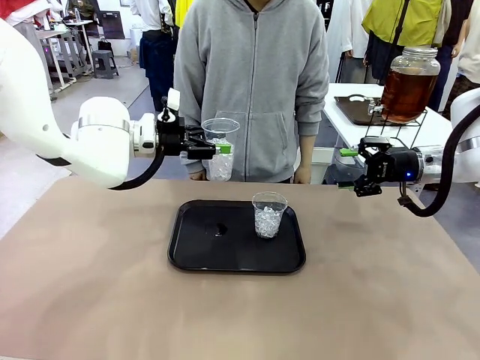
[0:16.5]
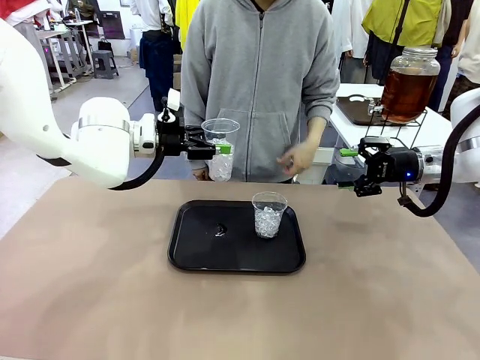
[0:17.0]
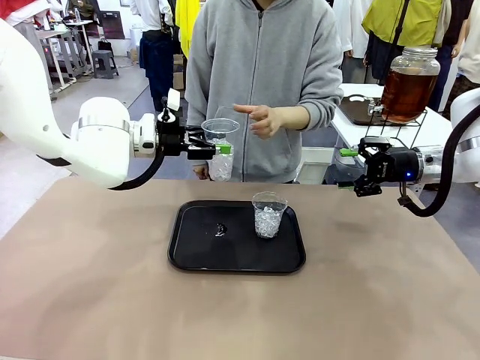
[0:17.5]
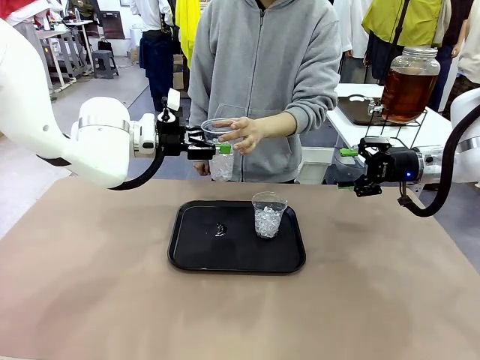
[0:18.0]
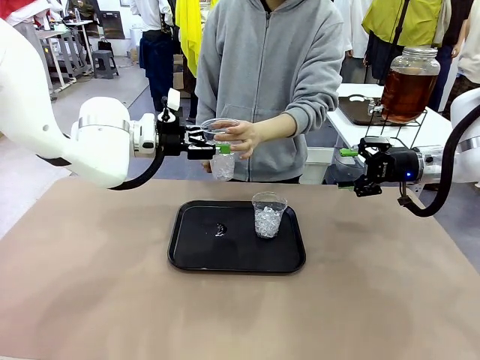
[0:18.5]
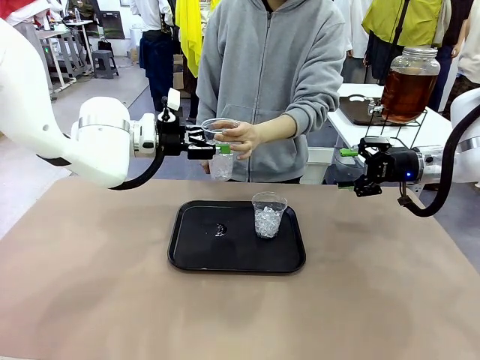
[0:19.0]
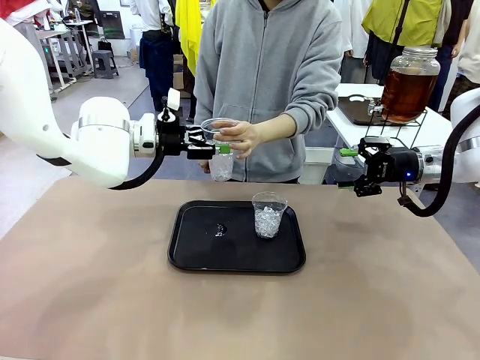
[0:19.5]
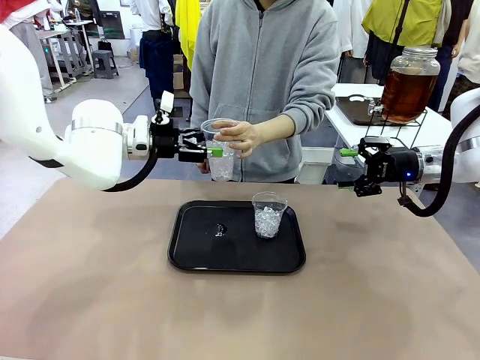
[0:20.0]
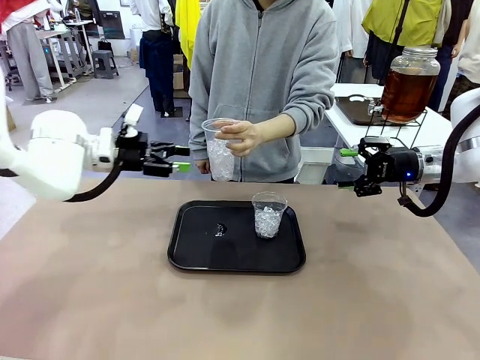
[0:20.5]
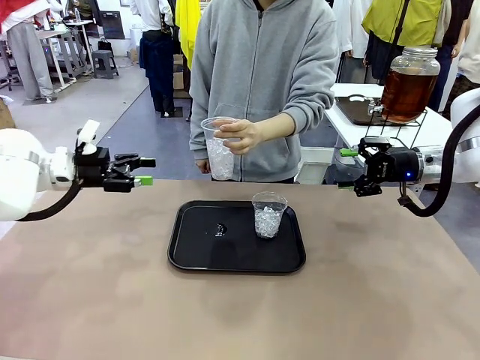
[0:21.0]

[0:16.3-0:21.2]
Task: Pour the drink into the iced cup.
Robot: Open the gripper to release the iced cup you were holding.

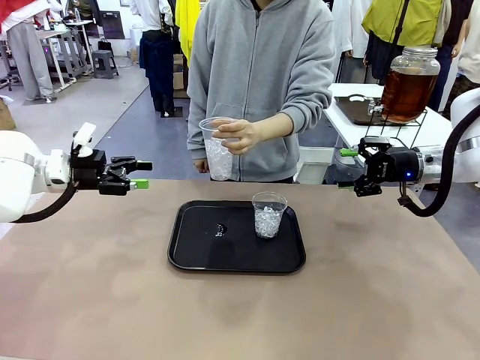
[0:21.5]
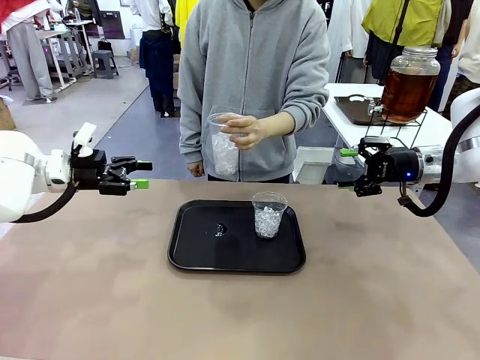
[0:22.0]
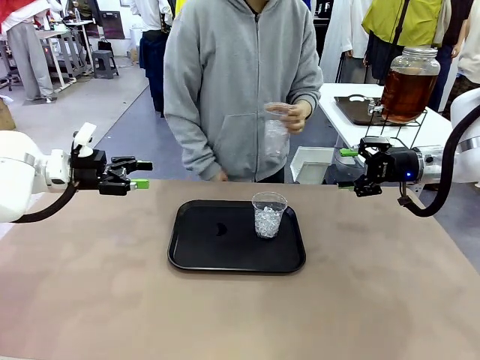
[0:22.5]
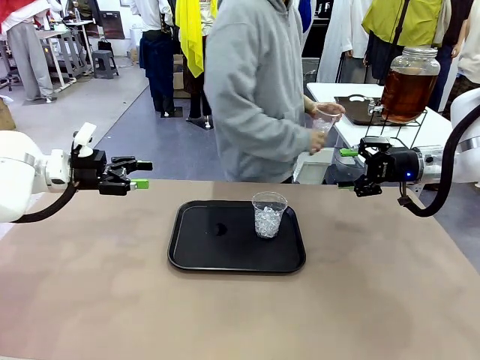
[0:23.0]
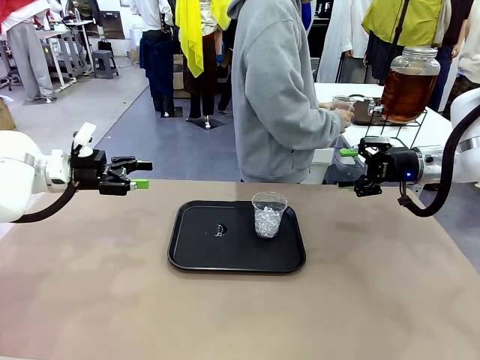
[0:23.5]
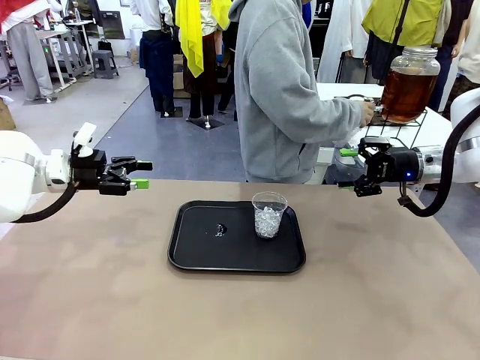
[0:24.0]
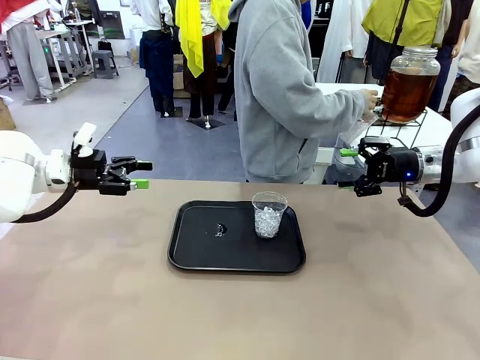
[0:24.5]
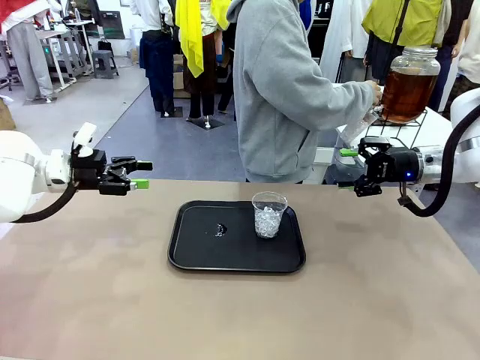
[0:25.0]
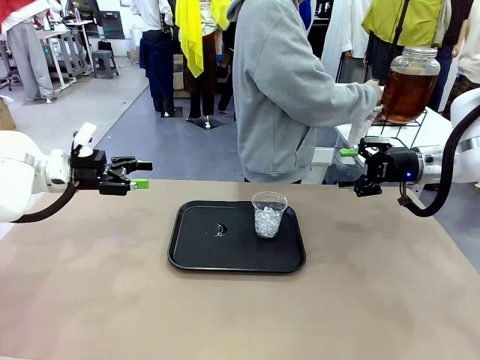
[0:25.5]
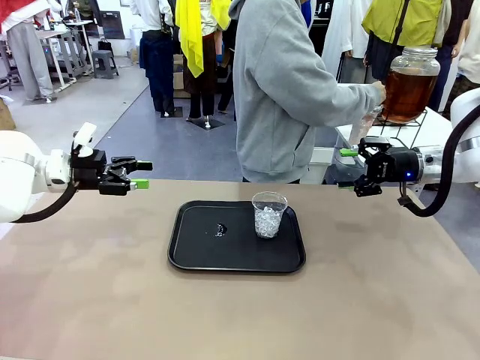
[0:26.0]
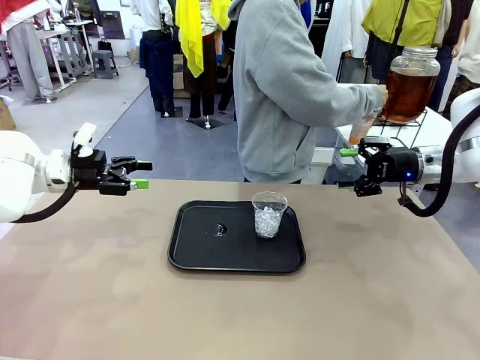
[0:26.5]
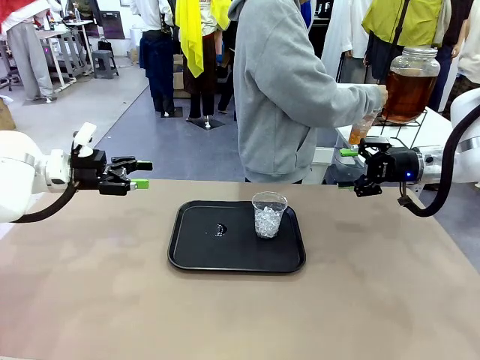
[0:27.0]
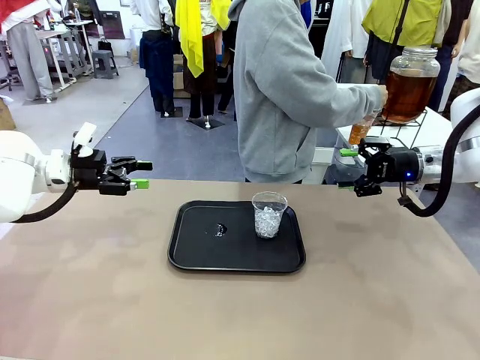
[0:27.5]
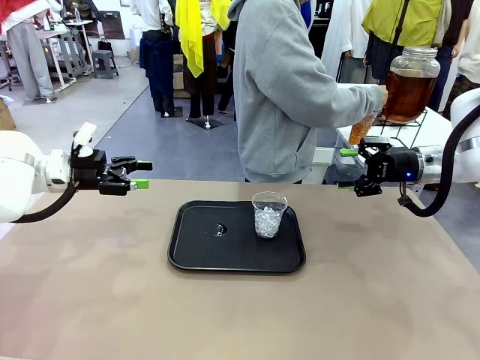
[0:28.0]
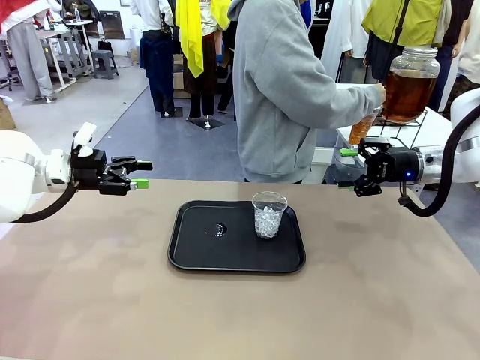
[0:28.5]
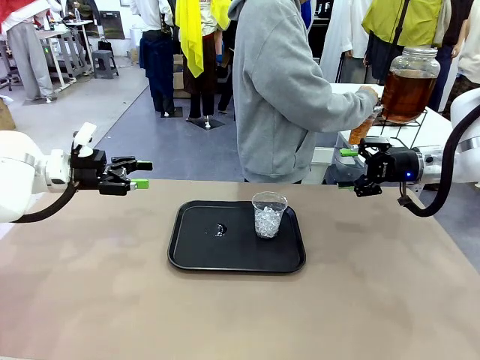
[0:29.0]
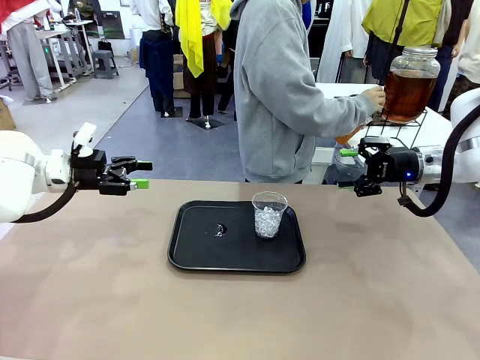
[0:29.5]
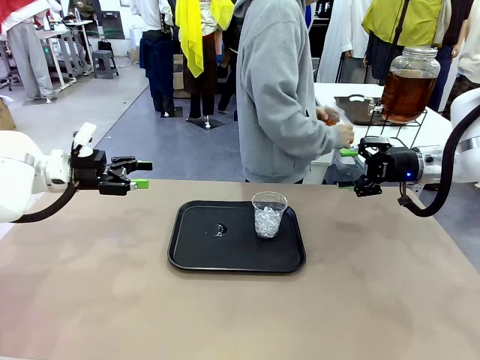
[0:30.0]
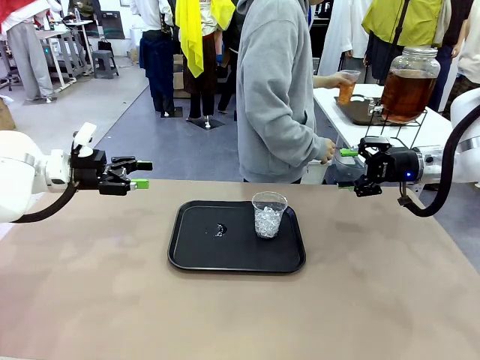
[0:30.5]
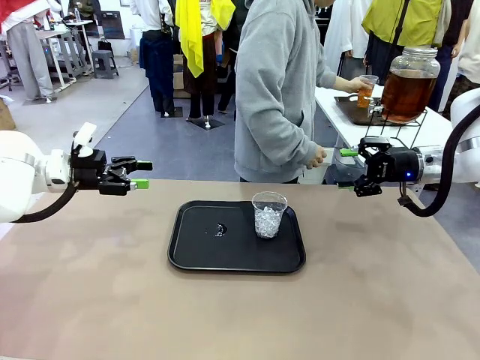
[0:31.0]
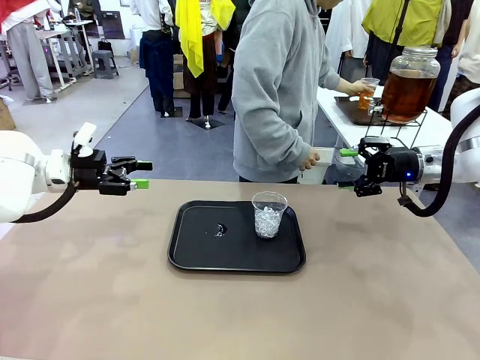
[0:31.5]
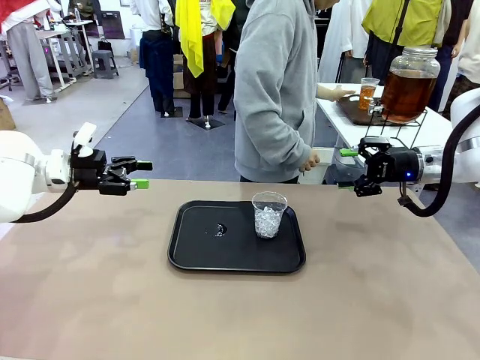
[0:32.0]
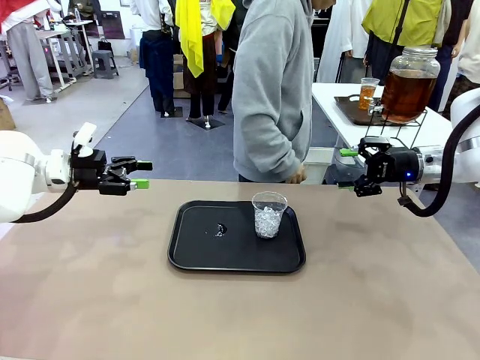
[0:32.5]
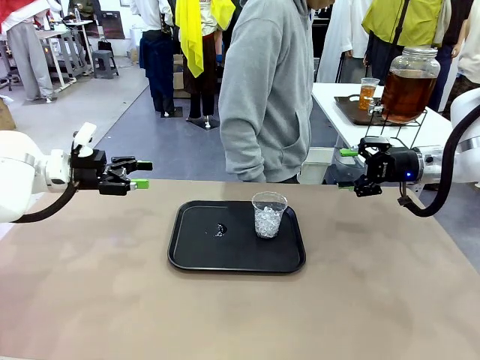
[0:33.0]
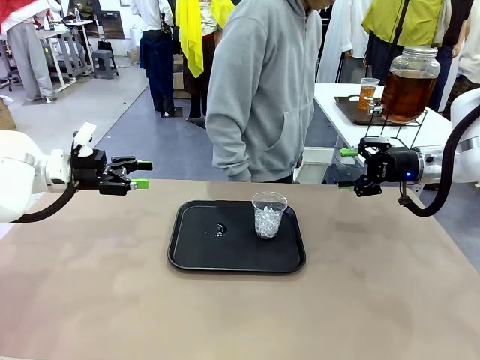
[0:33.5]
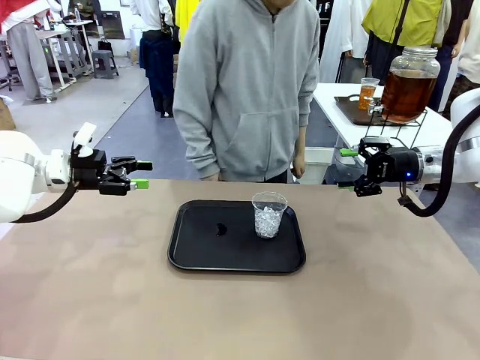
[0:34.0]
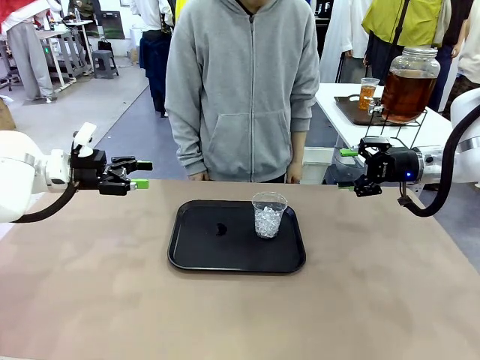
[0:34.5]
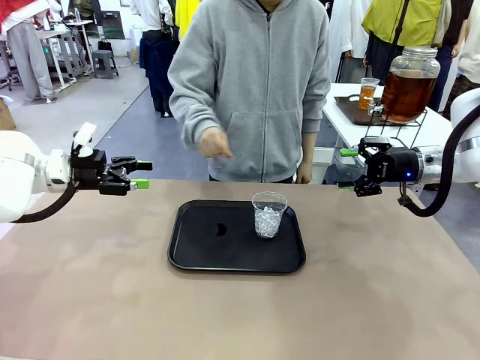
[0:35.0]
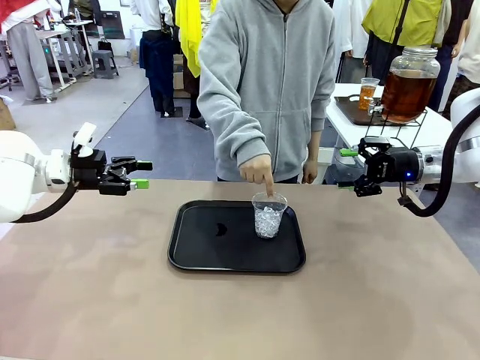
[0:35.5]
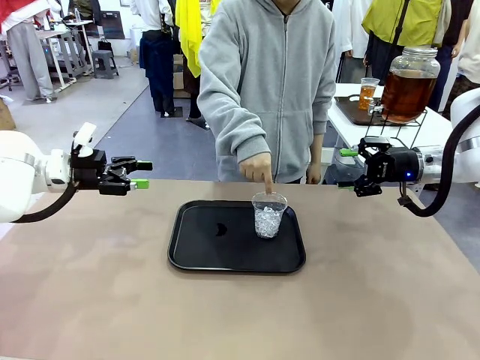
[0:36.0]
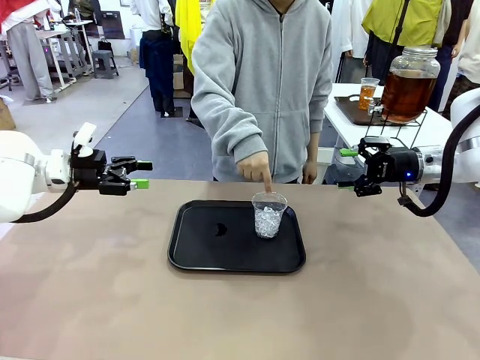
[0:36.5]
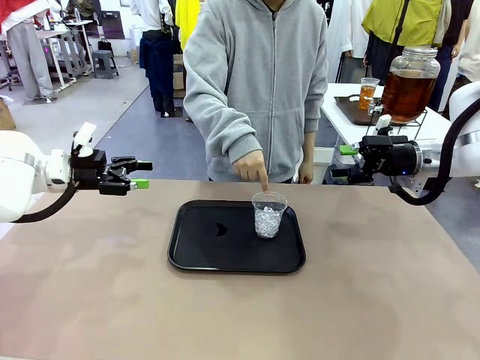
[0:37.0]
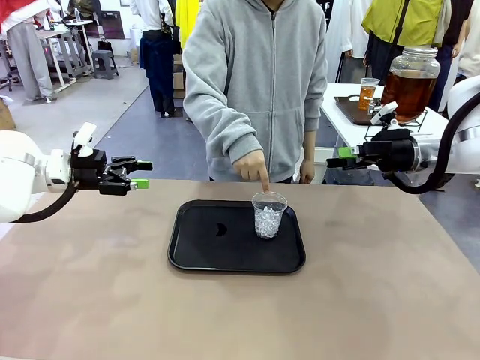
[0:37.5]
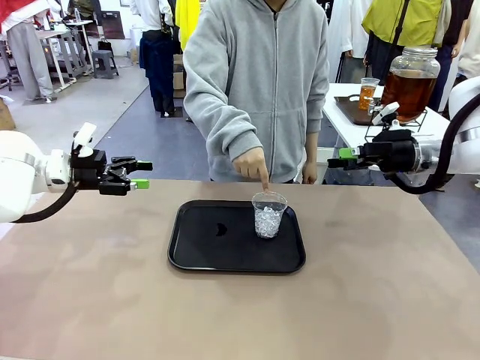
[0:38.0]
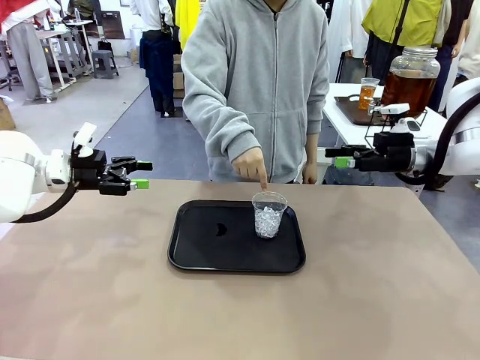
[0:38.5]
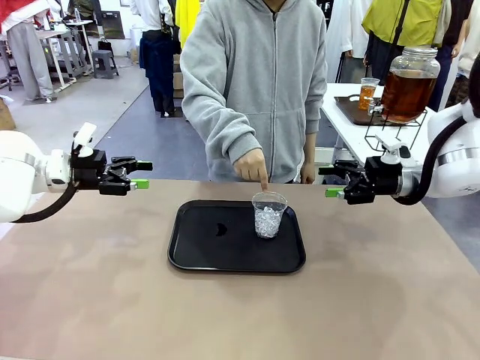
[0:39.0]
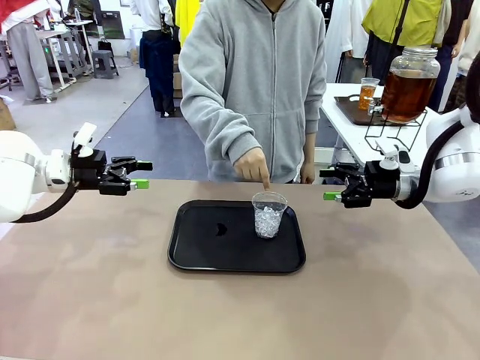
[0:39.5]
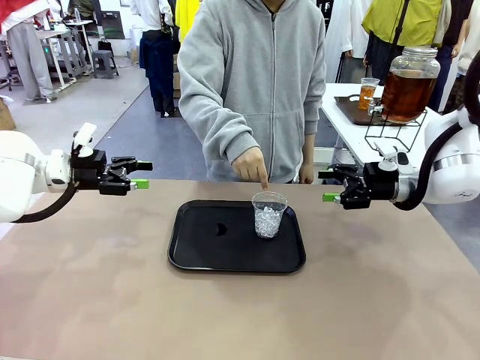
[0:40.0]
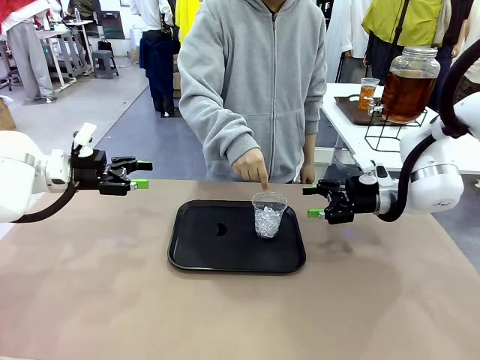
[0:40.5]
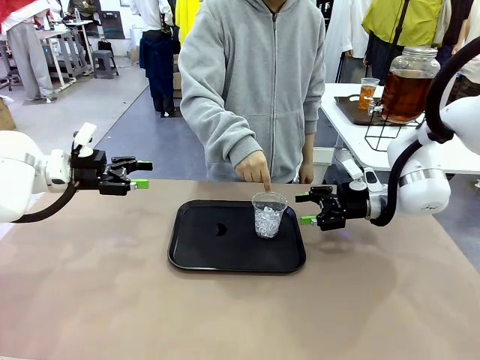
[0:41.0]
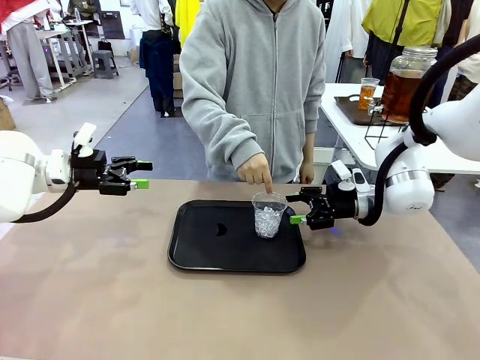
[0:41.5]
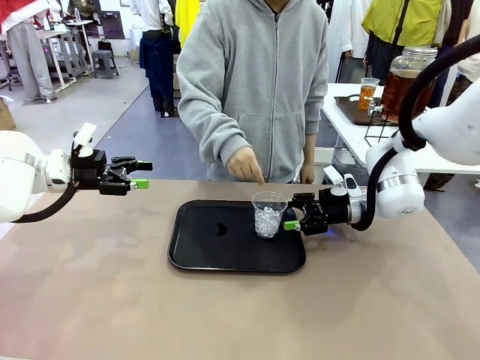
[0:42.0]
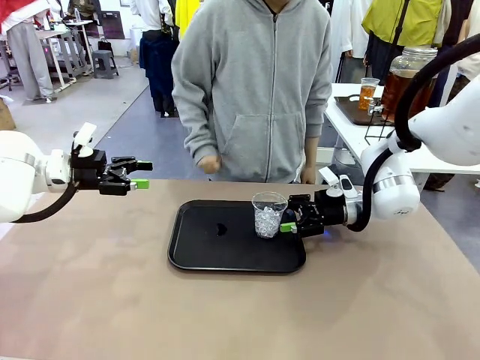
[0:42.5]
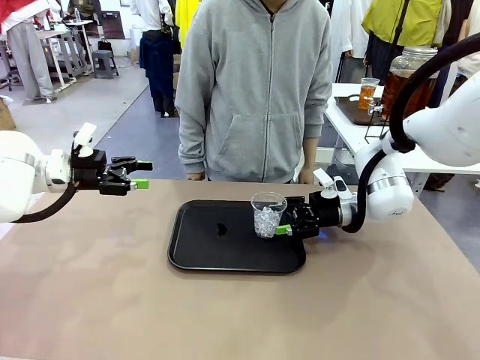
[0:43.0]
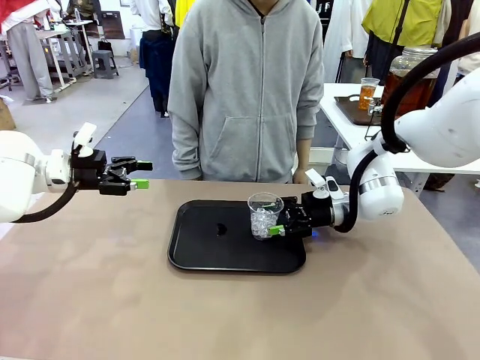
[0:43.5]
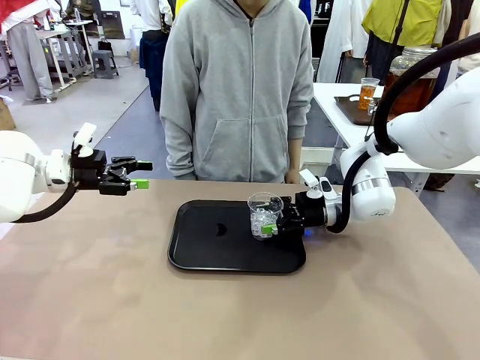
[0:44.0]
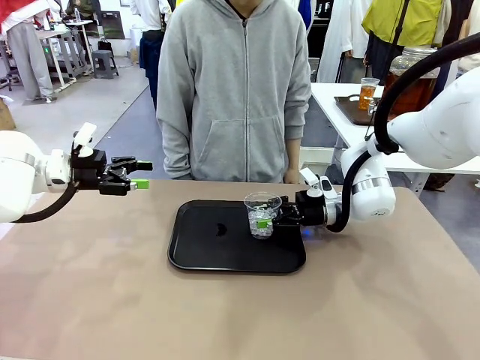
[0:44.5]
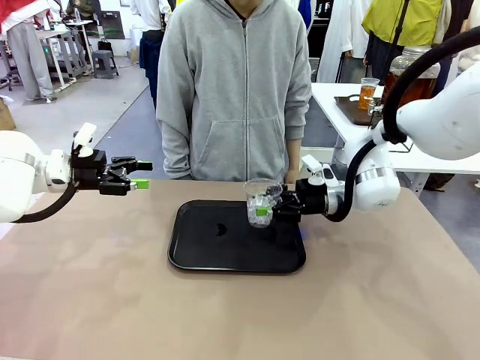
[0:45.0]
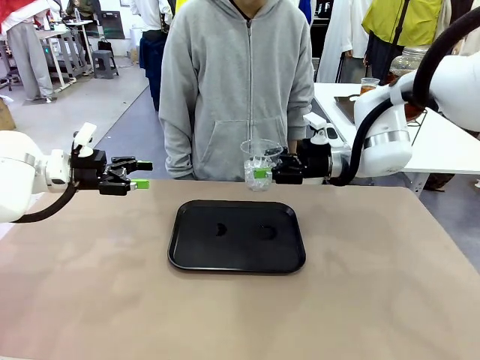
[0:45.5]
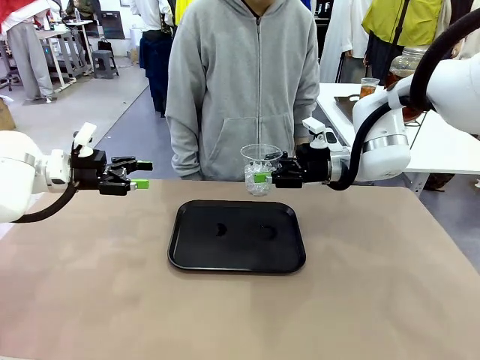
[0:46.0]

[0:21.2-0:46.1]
Robot: Pick up the iced cup indicated by the human and present it to them.
Person: Move the picked-up cup under the dispenser faucet, pour the drink, and place it on the tray on the human table. Point to the remaining ice cup on the robot table. Pick up the cup offered by the robot.
